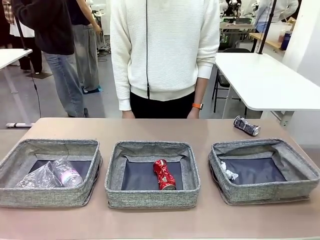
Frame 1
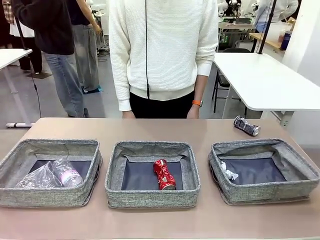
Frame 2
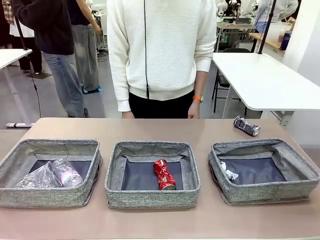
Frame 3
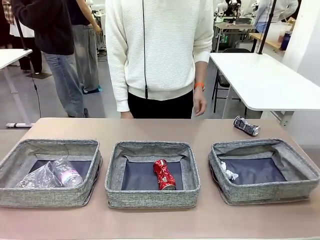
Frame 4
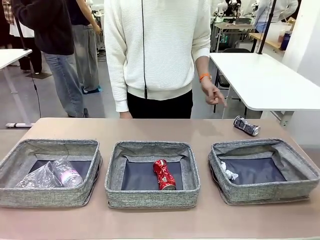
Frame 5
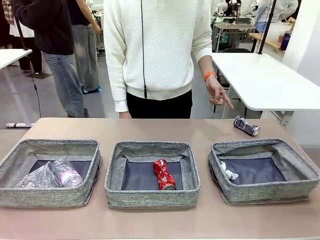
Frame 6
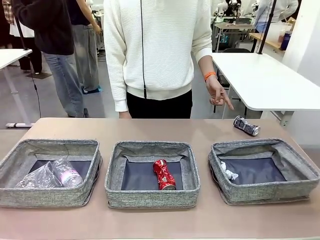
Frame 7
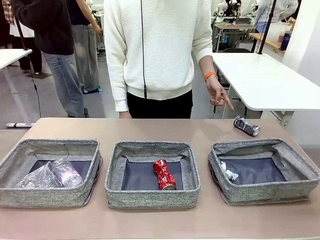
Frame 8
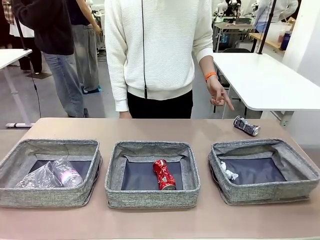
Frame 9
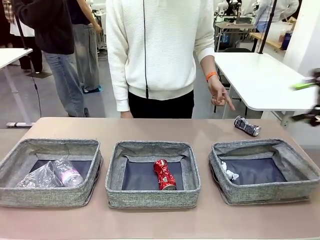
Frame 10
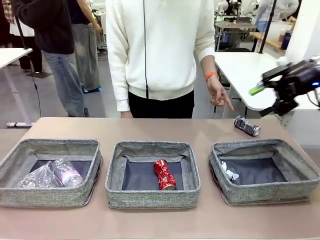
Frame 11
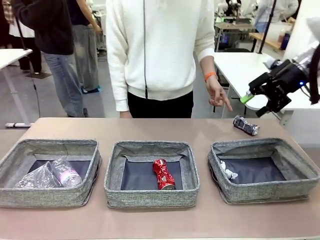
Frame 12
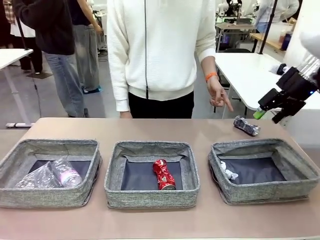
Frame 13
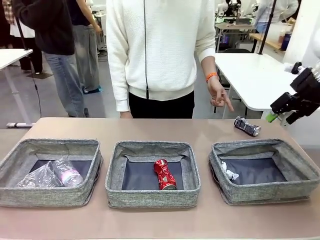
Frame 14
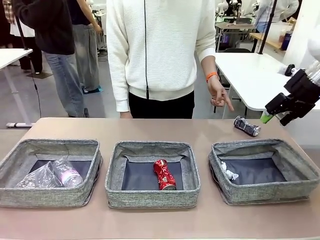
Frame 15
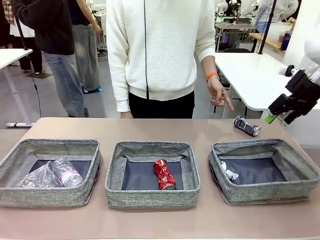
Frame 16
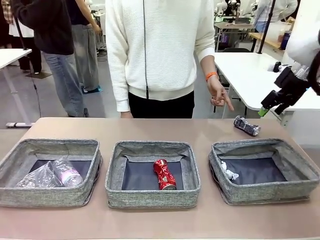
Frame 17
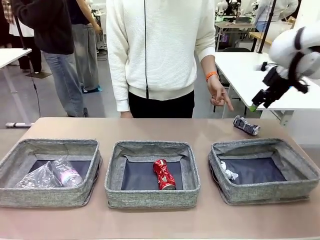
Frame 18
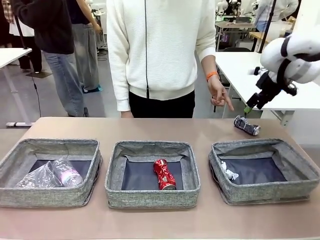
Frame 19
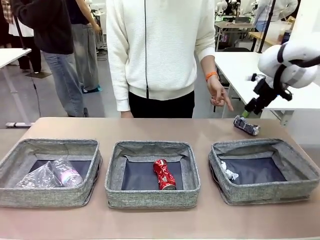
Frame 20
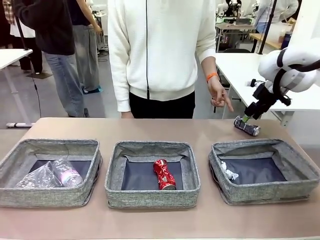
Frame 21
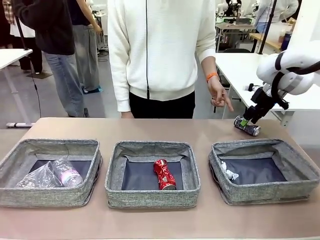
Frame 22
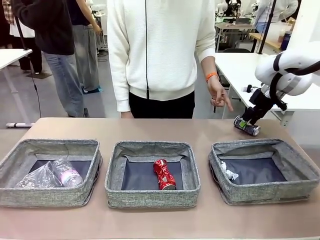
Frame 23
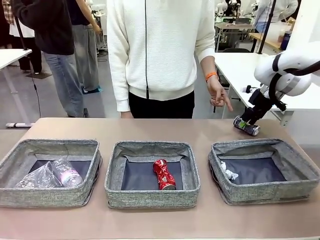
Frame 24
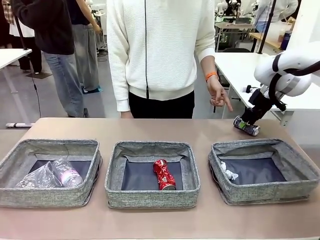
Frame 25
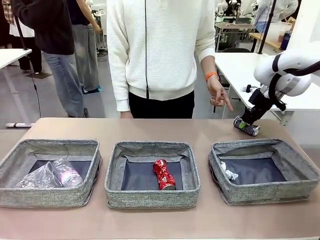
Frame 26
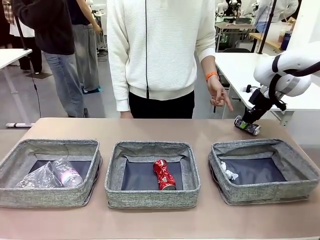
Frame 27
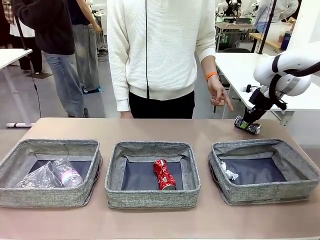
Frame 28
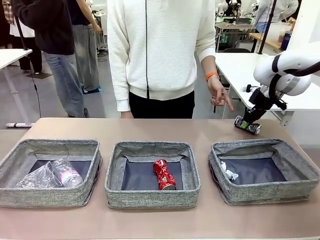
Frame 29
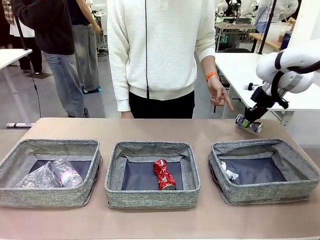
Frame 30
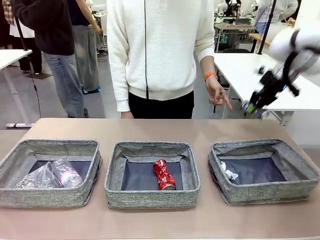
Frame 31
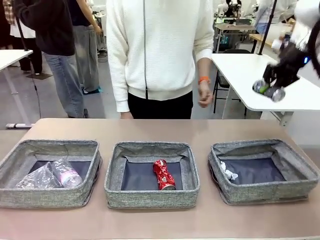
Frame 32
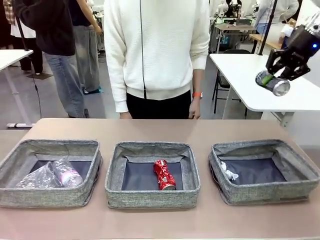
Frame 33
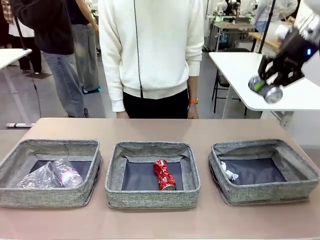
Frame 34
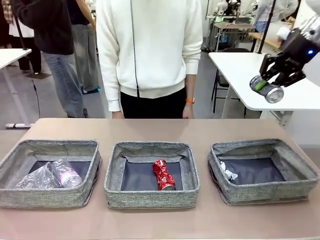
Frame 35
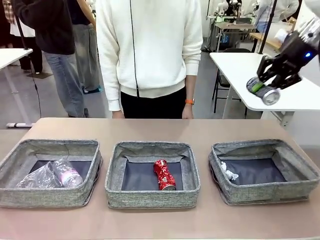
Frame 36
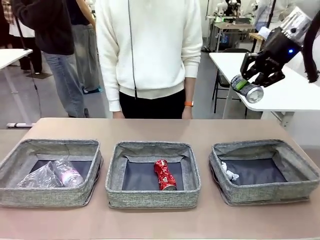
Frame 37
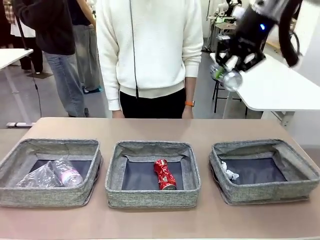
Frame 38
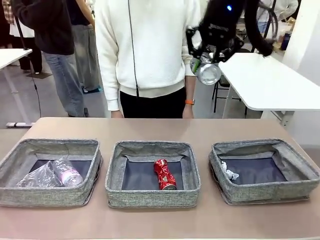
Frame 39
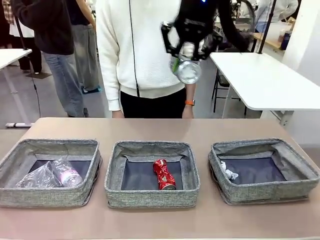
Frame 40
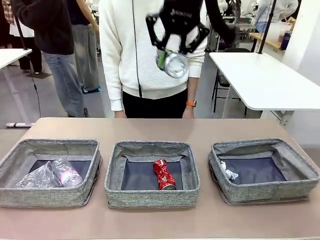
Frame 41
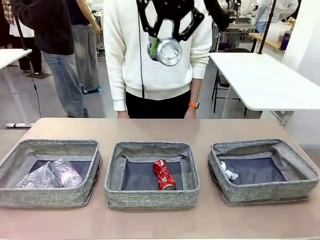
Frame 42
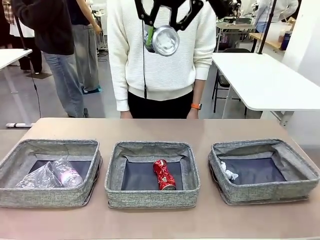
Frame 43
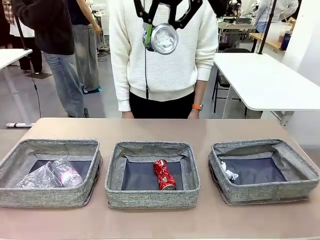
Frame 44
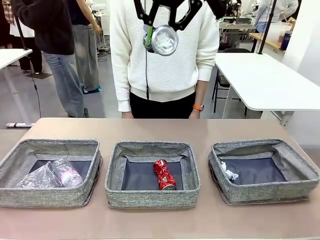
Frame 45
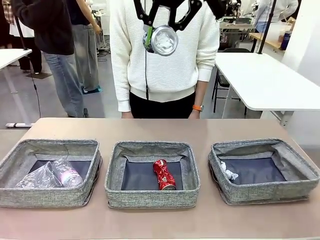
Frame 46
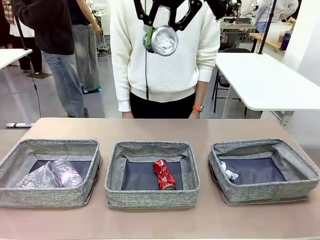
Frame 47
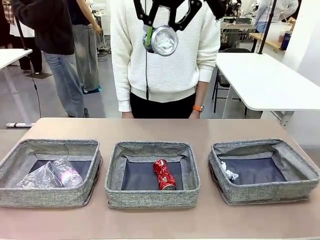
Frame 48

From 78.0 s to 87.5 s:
Task: Sort the waste into the appropriate baskets.
Robot: Pick up the waste item pointed out by the person.
Person: Points to one piece of trash on the table.

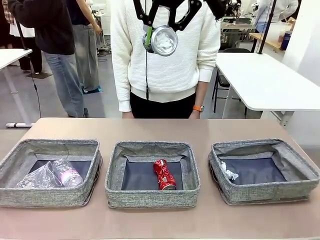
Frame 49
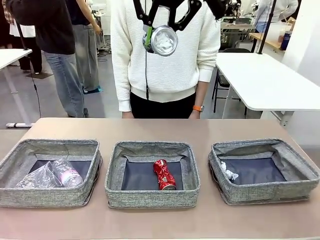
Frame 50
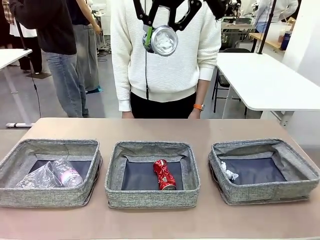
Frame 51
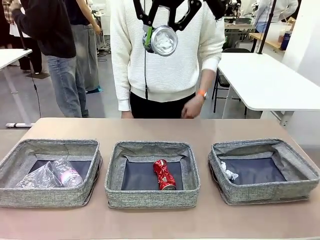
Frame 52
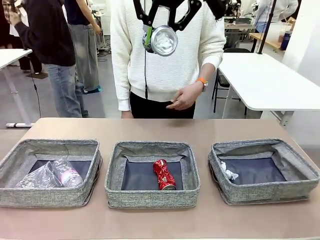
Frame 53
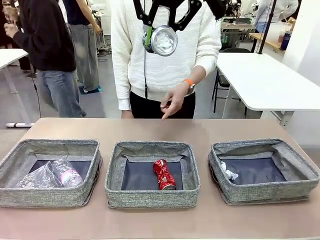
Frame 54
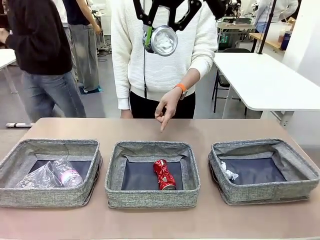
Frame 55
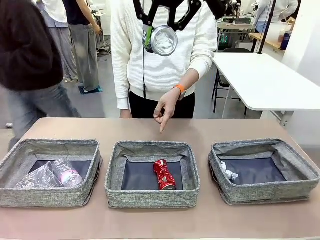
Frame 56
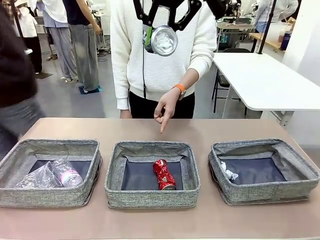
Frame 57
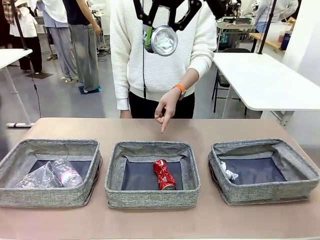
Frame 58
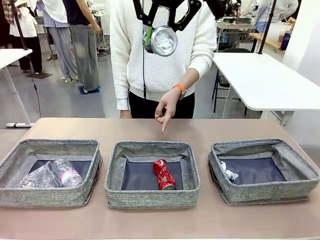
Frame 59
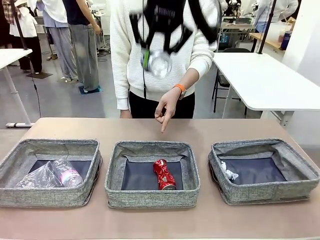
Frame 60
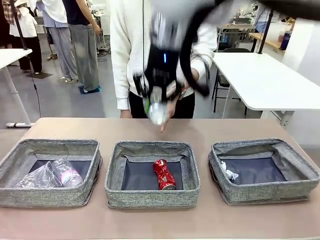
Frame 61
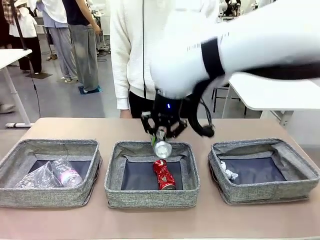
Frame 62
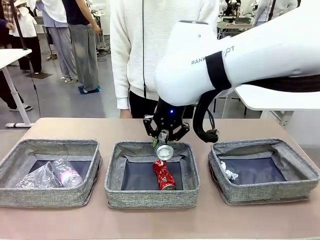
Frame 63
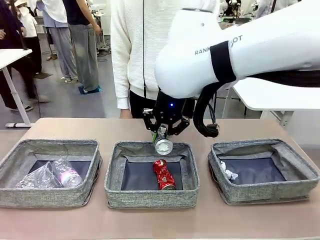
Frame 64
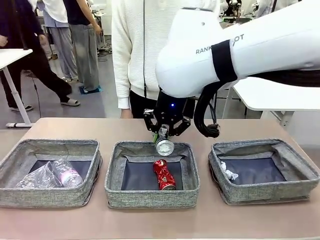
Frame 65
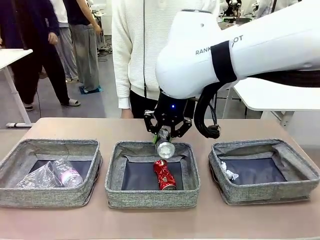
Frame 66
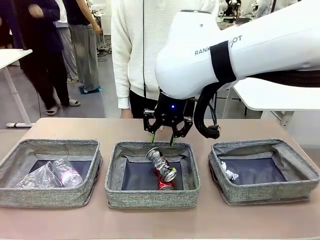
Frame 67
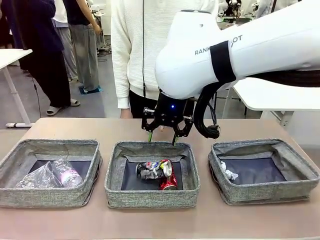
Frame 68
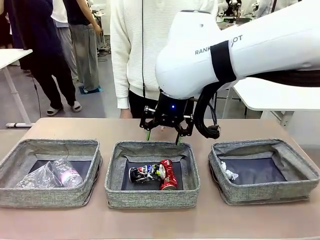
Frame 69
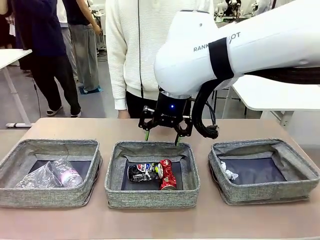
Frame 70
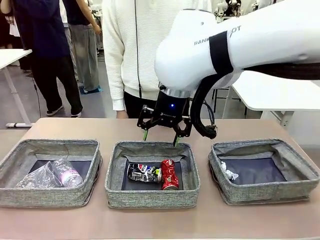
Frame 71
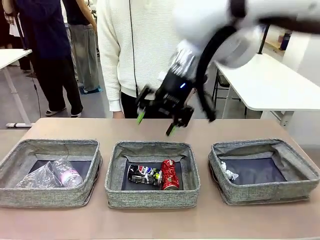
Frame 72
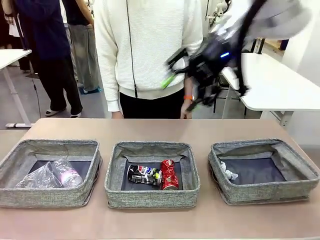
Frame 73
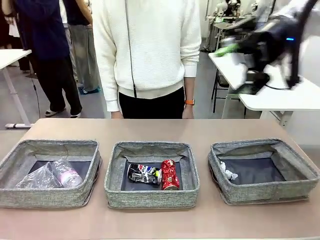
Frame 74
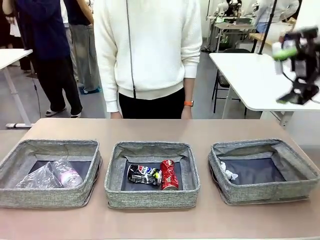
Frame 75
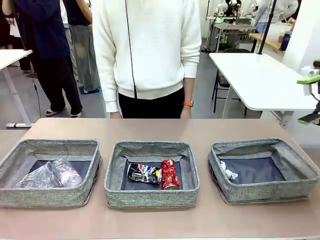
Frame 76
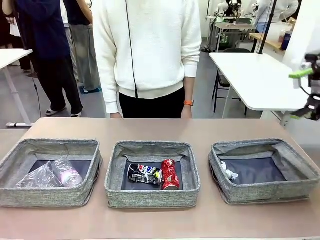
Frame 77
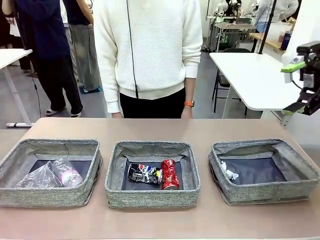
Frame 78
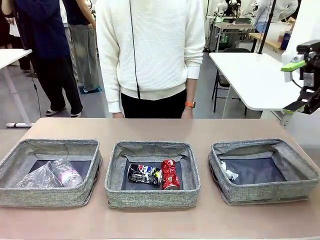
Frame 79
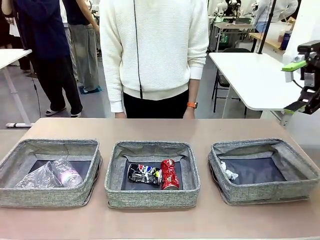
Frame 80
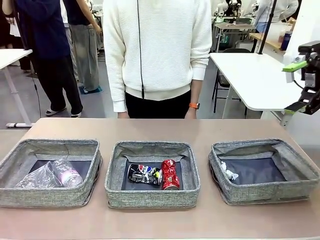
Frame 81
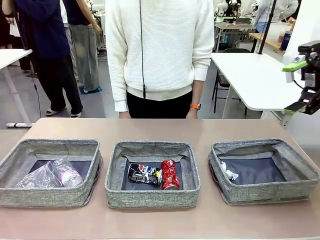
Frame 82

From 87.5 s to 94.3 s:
Robot: Place the picked waste into the Fabric basket indicated by the person.
Person: Instructs the robot to place the picked-up trash into the appropriate organizing basket.
